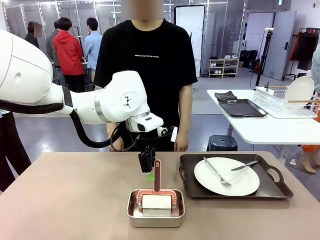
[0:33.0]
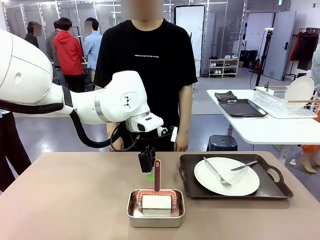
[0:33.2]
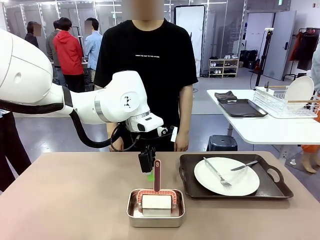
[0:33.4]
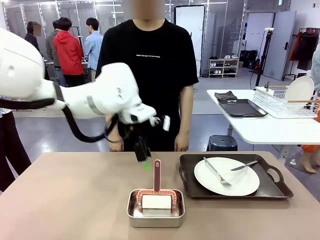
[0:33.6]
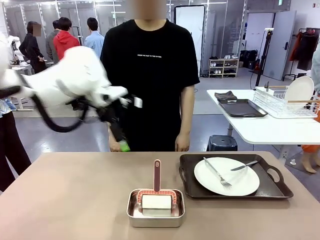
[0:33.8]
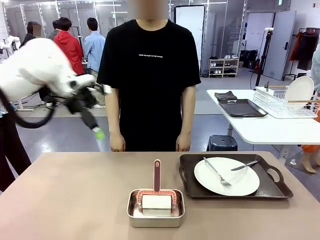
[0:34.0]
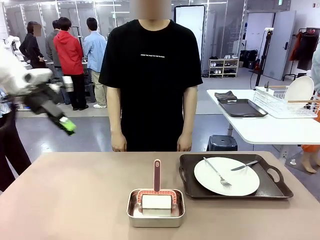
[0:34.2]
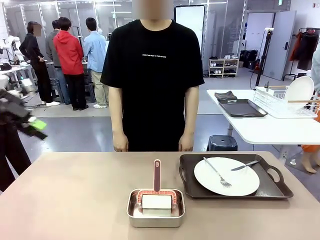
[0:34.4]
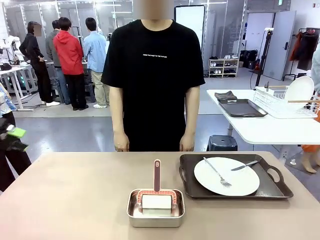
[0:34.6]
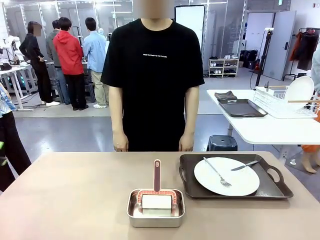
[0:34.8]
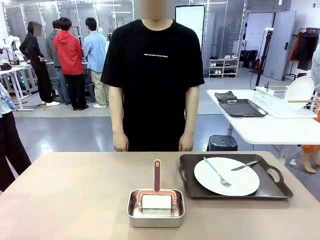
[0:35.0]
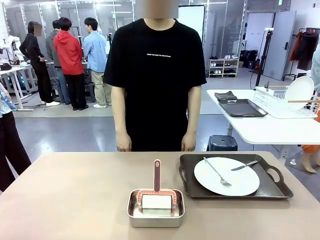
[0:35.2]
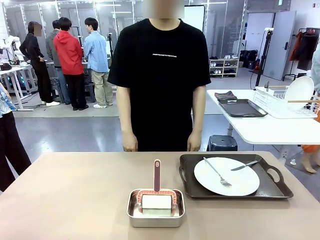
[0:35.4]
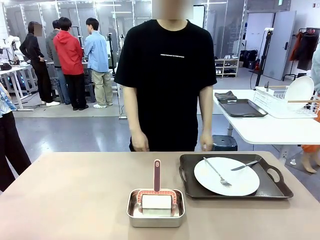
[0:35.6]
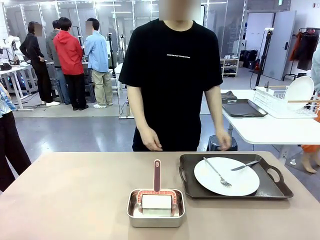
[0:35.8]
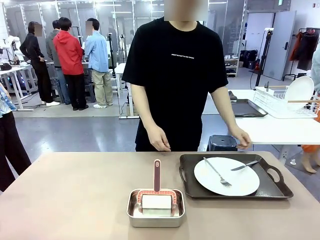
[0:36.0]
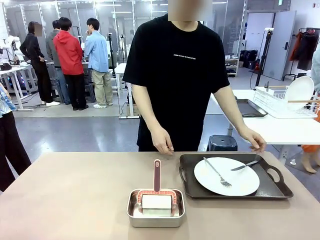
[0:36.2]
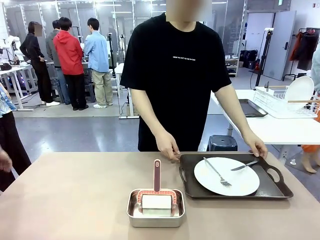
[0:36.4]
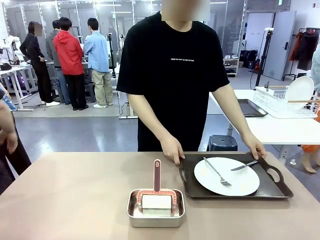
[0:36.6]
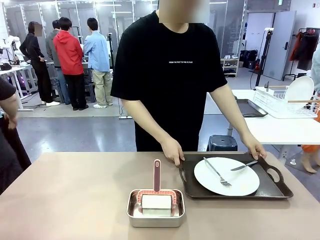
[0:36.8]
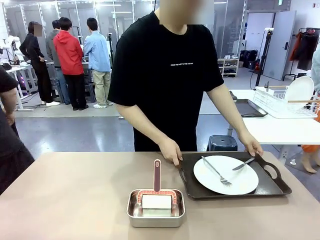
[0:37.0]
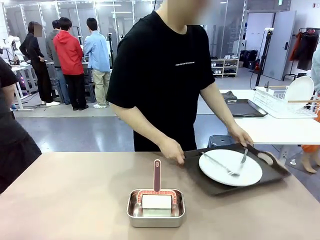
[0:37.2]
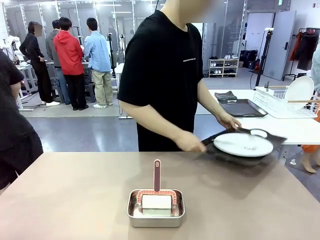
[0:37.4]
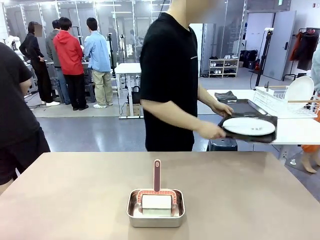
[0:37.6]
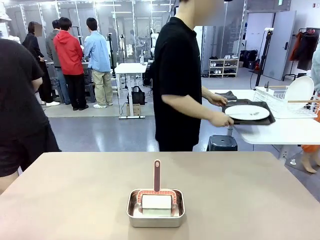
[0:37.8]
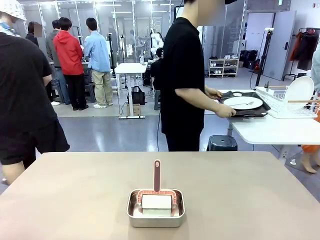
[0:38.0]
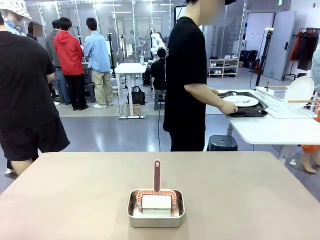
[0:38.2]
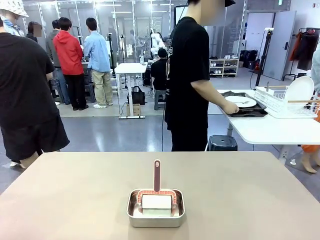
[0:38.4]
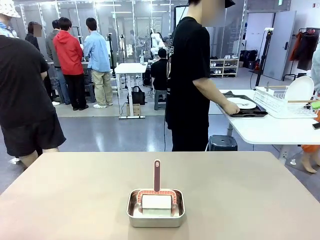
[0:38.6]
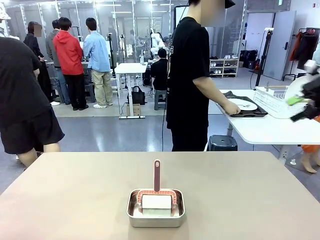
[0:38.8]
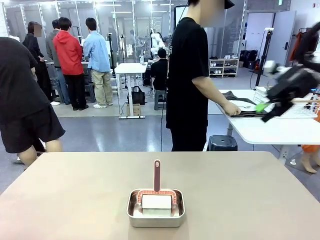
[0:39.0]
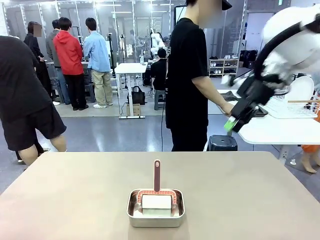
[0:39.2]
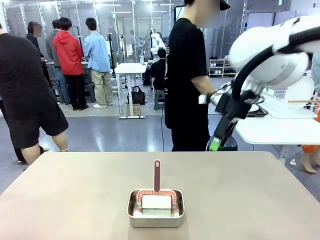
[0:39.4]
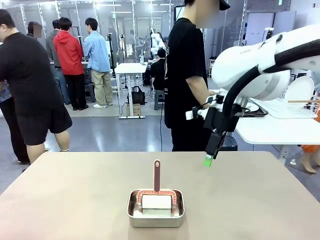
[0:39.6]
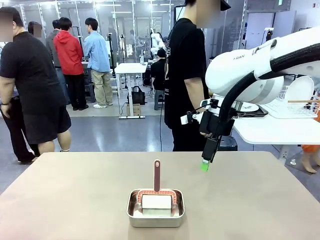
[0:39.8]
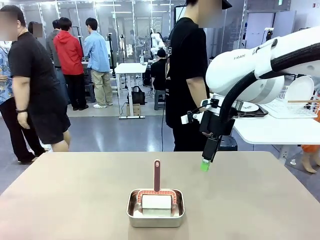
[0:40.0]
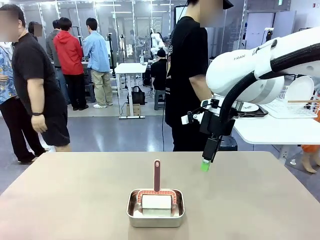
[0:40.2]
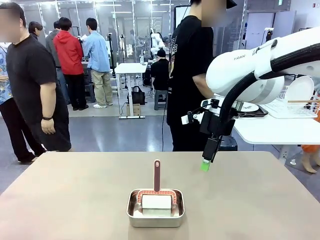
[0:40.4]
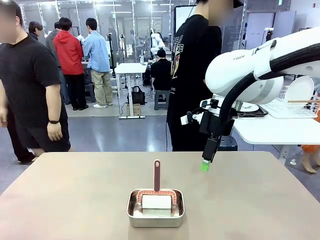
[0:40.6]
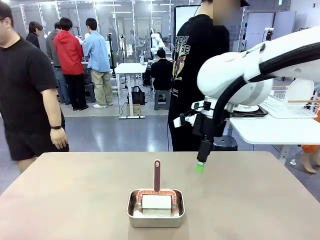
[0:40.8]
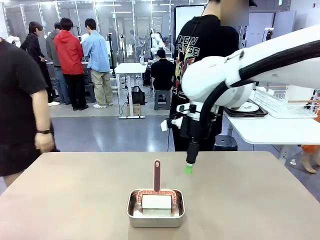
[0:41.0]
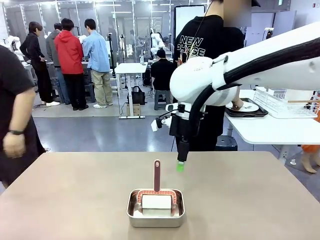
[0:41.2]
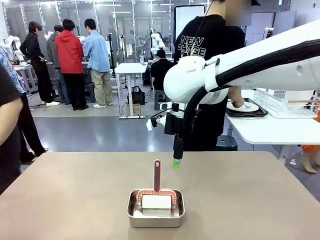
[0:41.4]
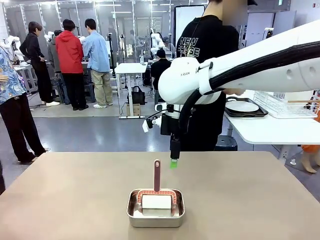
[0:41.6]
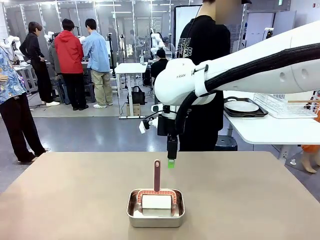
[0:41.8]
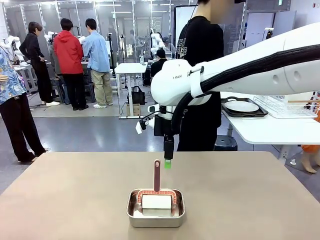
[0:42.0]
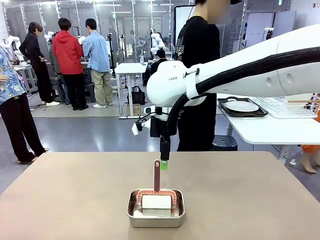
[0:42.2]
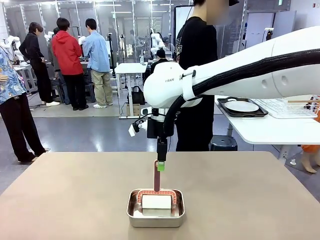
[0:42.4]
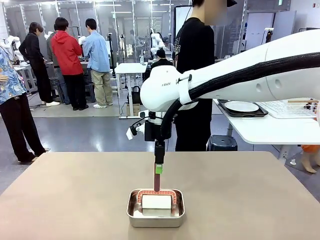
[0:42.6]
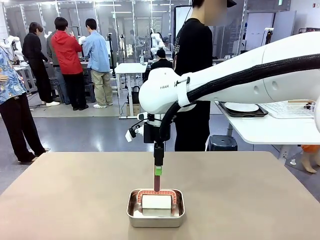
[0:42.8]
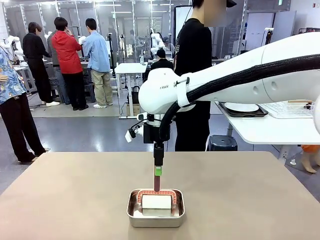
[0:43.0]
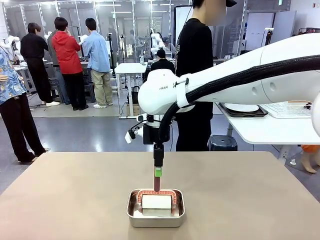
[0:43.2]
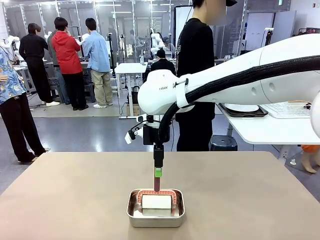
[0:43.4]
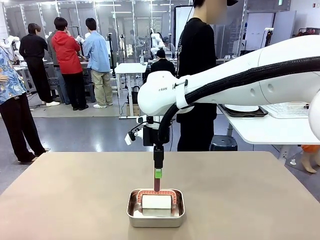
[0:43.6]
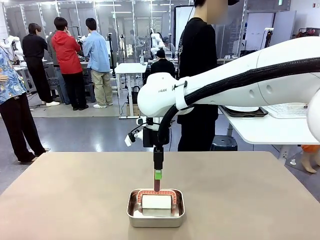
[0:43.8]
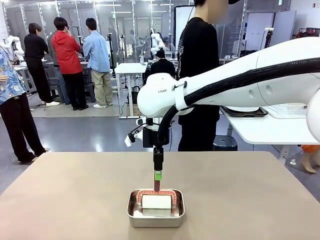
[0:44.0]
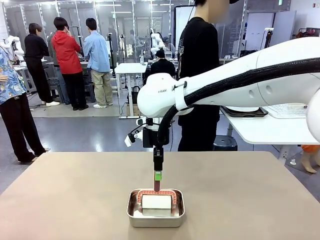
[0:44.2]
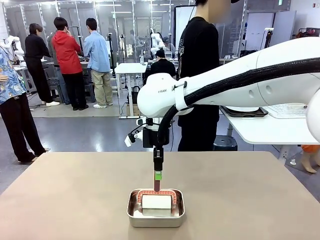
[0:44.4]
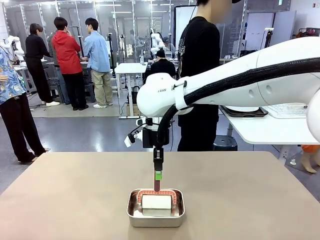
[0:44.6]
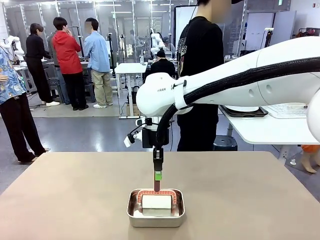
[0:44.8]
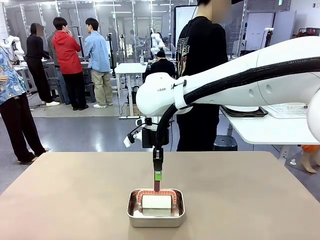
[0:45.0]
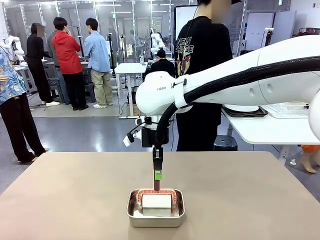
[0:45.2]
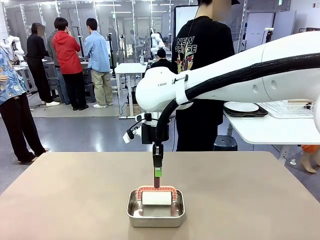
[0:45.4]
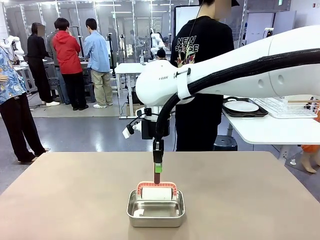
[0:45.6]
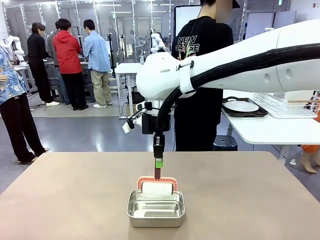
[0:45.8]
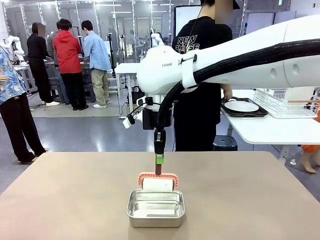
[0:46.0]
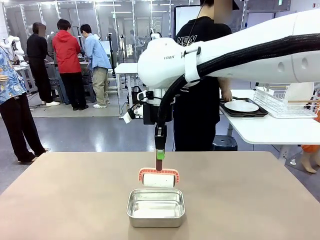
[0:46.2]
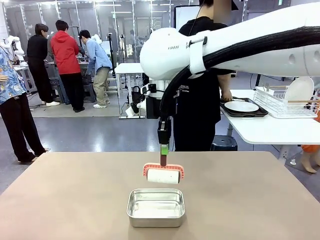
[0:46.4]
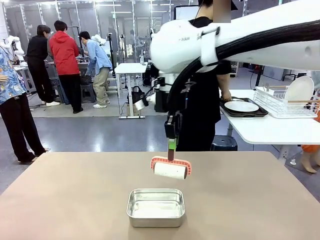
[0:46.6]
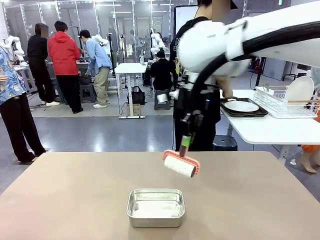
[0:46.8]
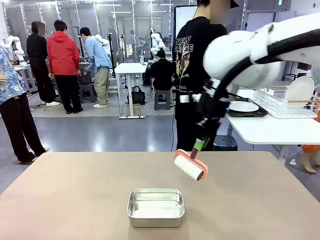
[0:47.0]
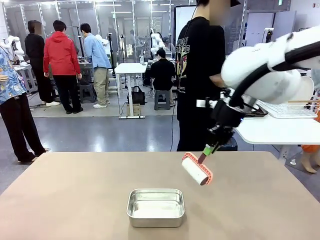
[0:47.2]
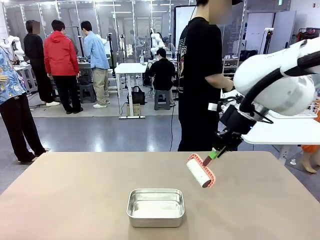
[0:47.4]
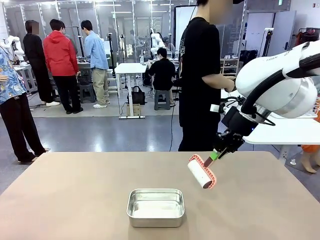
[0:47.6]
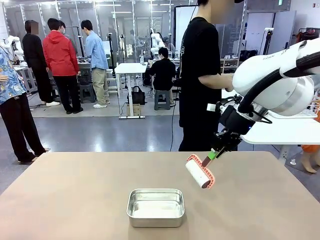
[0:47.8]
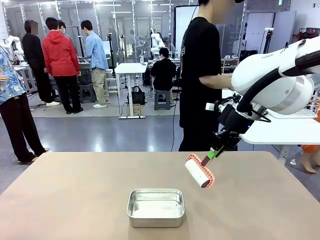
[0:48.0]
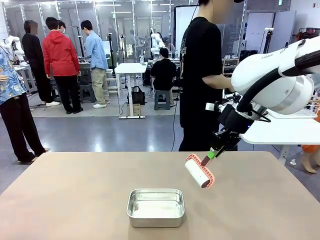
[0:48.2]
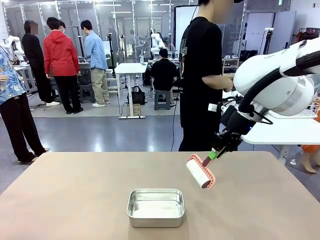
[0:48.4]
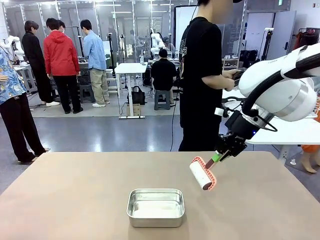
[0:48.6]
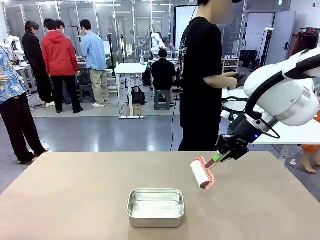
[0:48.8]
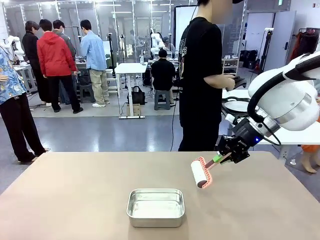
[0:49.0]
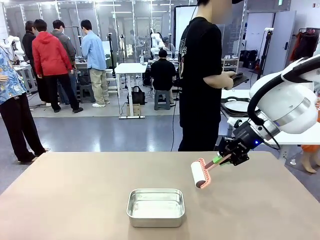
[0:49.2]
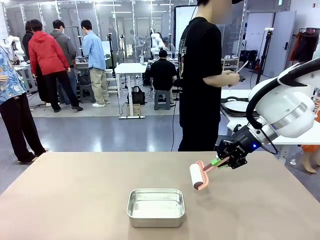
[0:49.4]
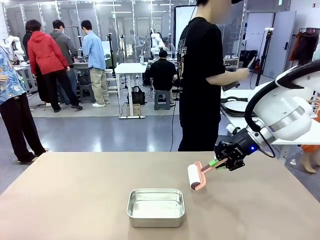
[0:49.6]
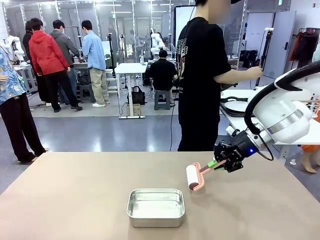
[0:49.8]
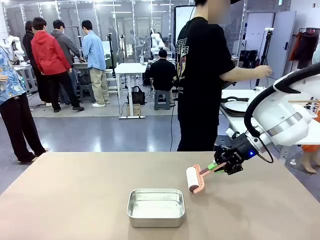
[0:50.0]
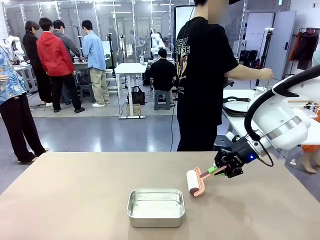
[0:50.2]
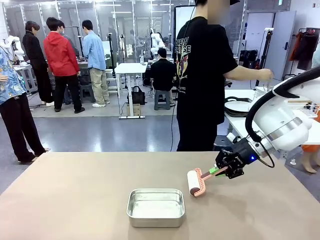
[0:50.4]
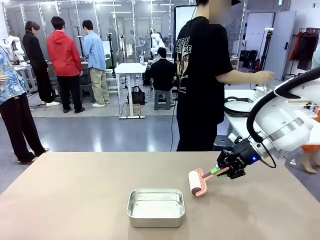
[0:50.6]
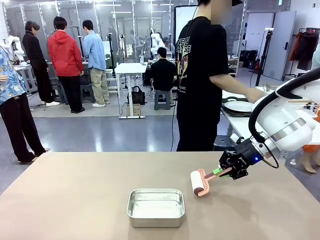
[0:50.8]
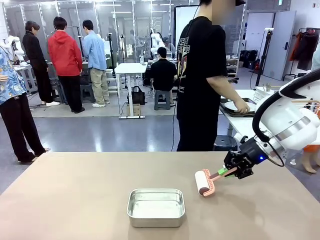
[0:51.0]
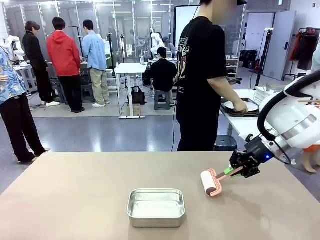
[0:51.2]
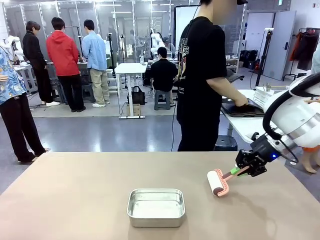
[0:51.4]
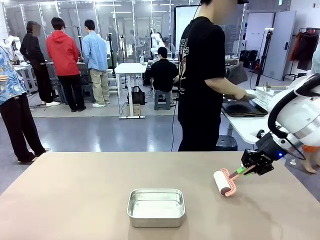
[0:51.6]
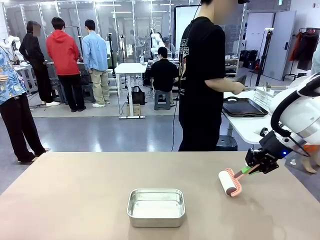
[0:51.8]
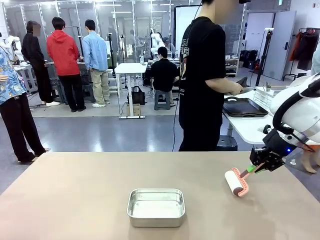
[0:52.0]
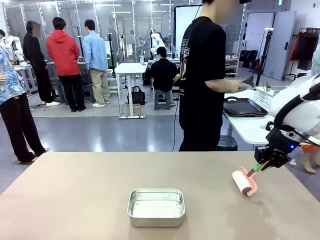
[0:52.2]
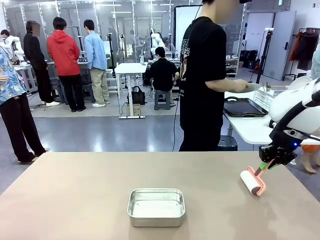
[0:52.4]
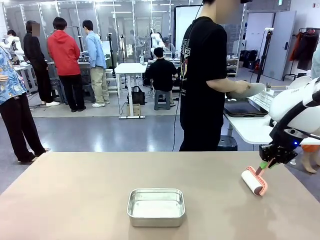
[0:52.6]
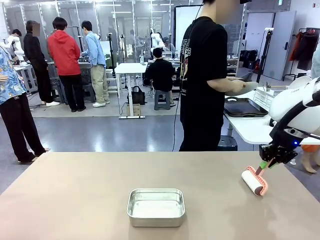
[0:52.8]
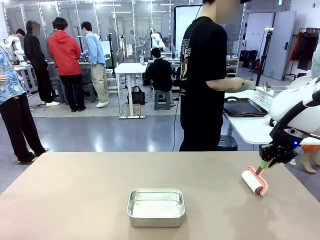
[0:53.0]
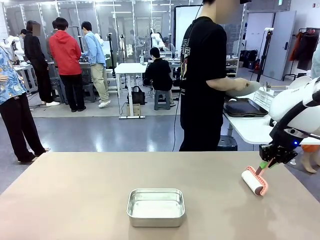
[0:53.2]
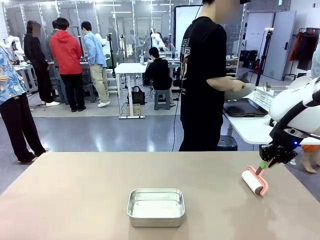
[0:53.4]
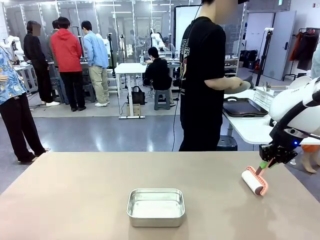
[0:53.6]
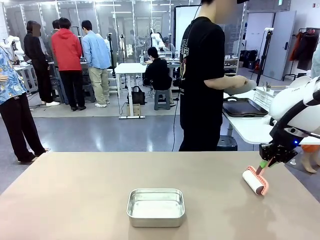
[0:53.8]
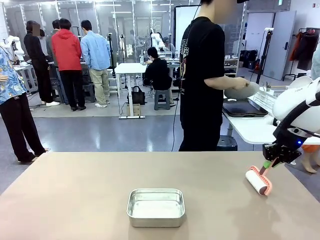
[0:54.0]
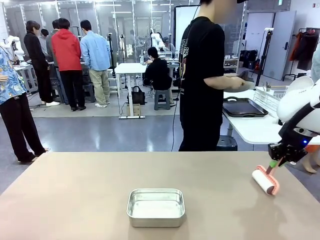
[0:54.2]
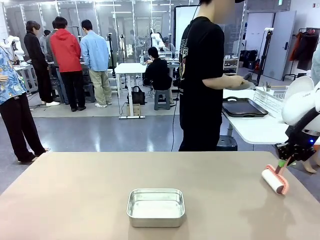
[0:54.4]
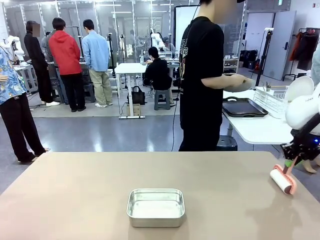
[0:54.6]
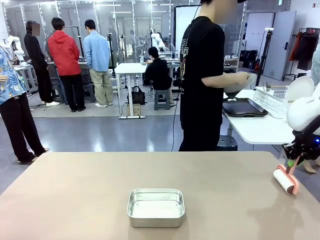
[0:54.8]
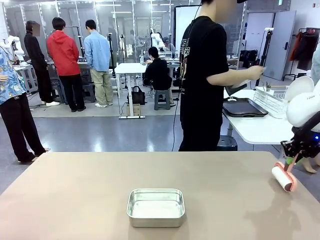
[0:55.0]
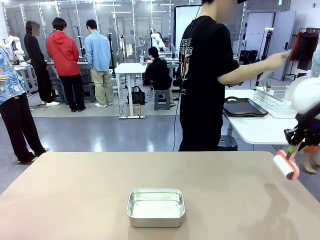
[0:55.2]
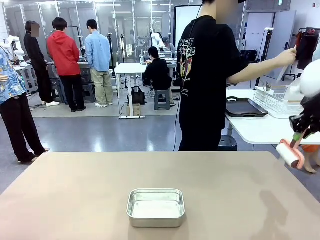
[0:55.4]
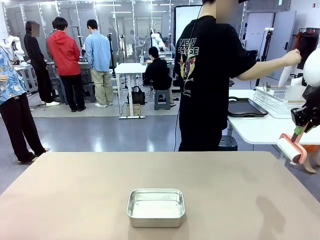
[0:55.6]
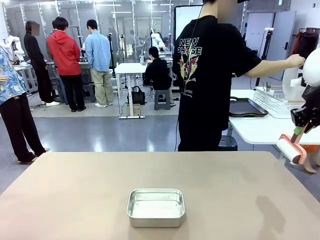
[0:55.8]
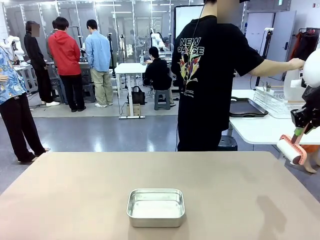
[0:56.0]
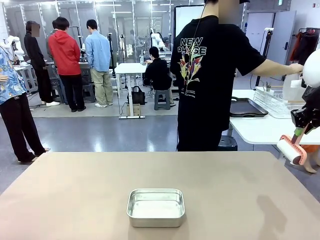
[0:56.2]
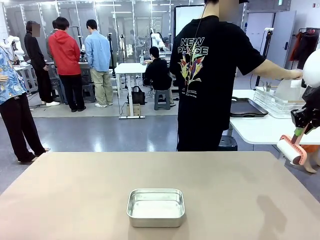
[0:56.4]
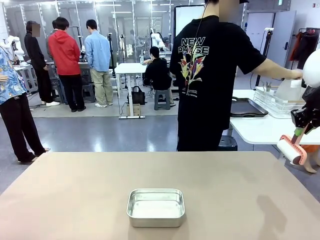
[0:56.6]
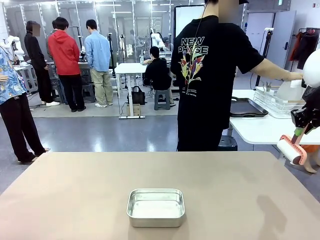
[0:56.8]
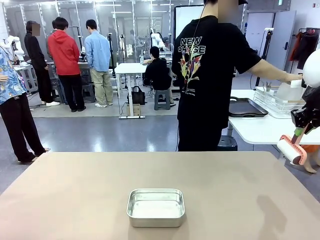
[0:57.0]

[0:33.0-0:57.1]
Robot: When the right (or left) Handle tray is removed, use the right hand (or left hand) to clean the right (or left) side of the table with the Lint Roller.
Person: Use the Towel with hook to wipe the Plastic Matte Plate , Fork , and Knife and place into the Dish drying rack.
